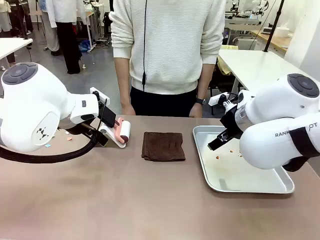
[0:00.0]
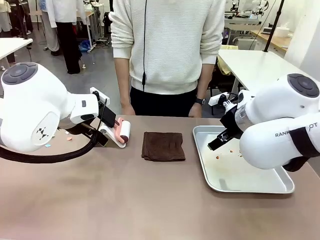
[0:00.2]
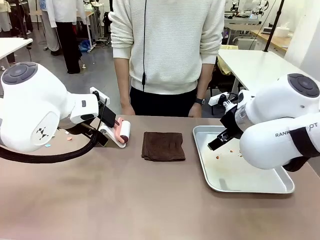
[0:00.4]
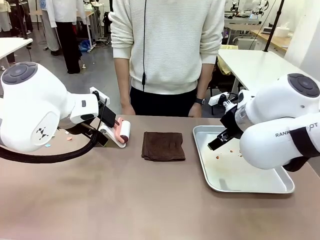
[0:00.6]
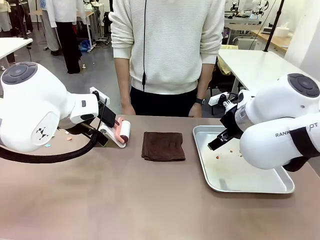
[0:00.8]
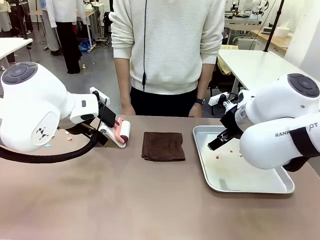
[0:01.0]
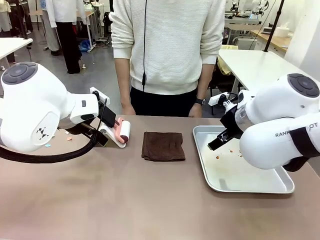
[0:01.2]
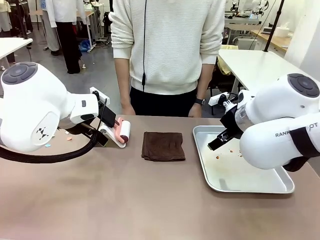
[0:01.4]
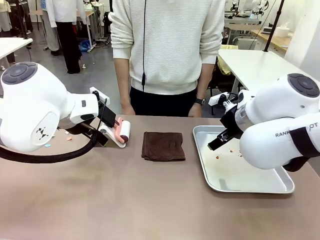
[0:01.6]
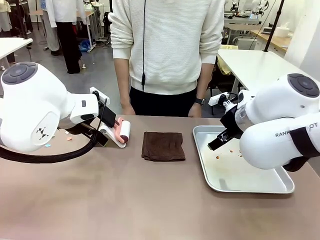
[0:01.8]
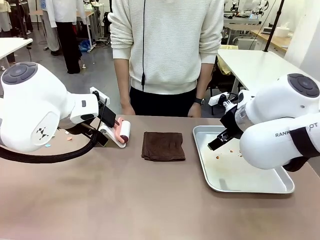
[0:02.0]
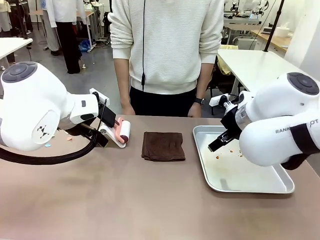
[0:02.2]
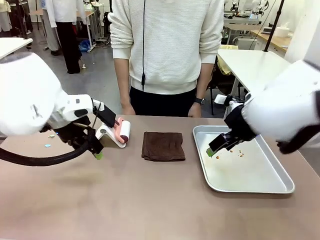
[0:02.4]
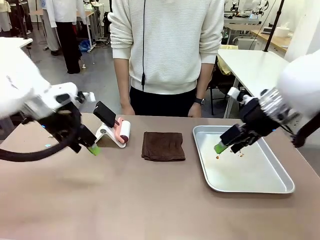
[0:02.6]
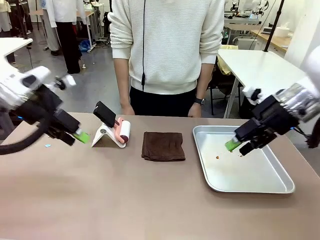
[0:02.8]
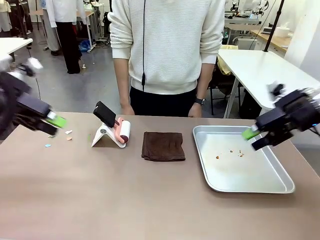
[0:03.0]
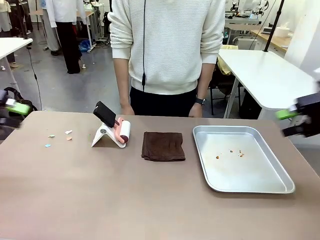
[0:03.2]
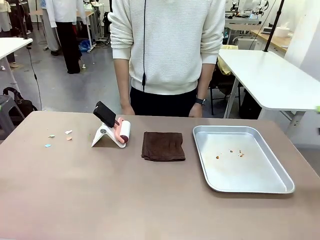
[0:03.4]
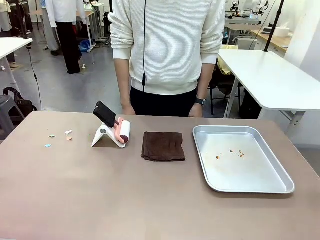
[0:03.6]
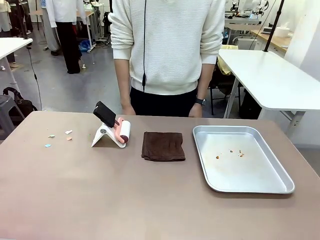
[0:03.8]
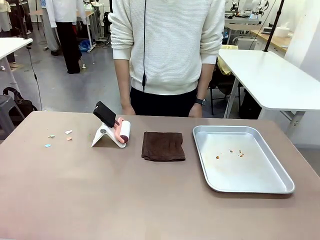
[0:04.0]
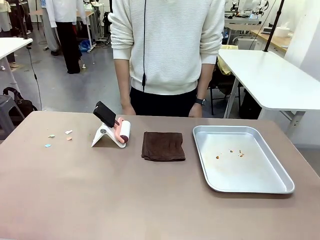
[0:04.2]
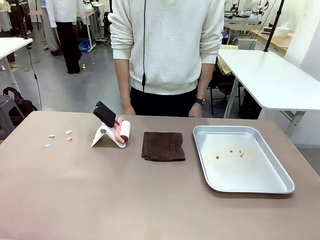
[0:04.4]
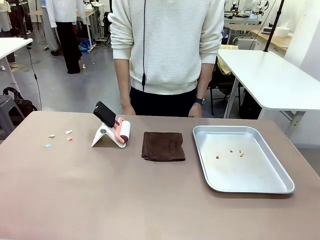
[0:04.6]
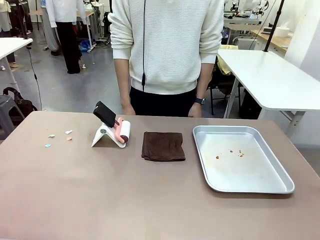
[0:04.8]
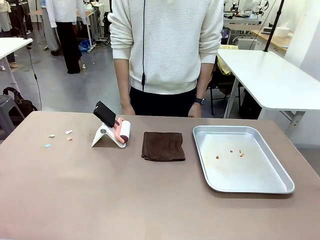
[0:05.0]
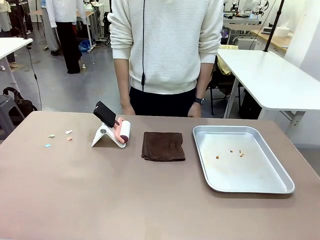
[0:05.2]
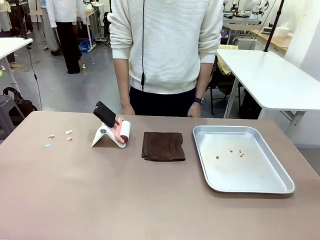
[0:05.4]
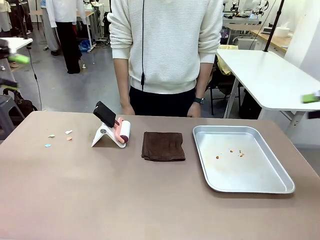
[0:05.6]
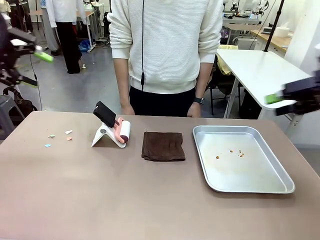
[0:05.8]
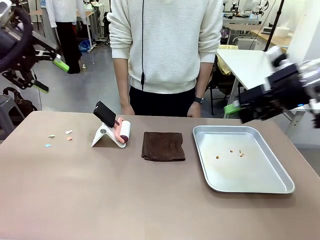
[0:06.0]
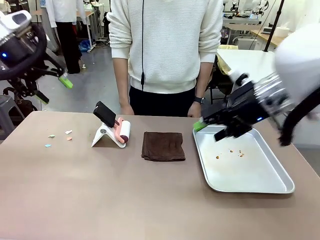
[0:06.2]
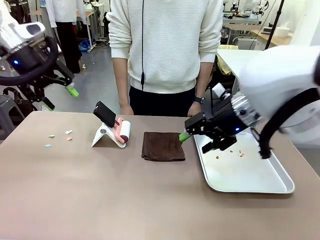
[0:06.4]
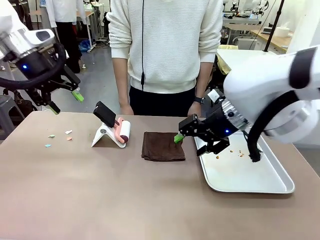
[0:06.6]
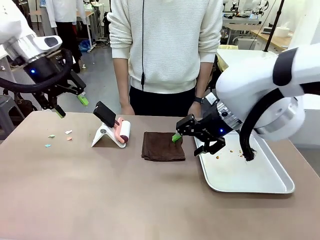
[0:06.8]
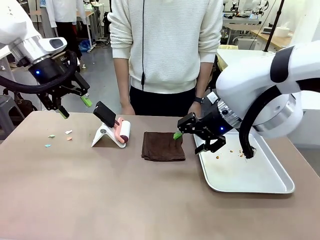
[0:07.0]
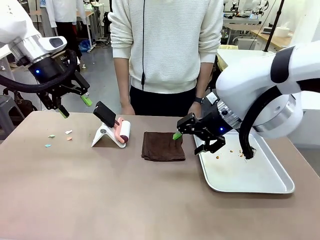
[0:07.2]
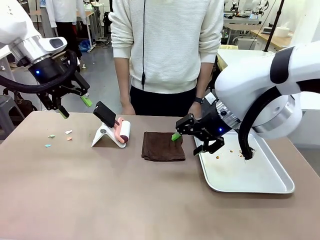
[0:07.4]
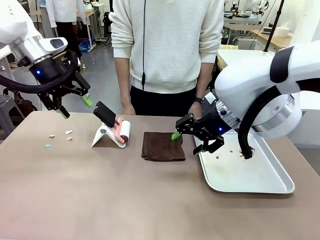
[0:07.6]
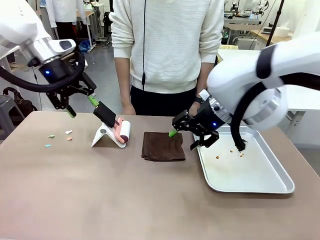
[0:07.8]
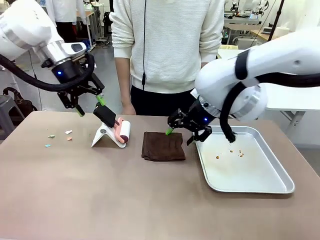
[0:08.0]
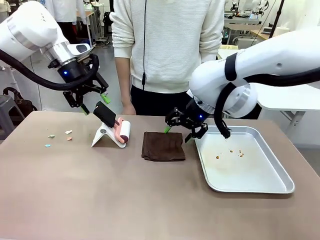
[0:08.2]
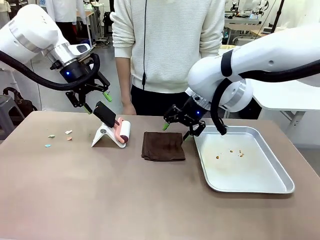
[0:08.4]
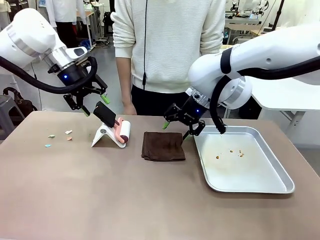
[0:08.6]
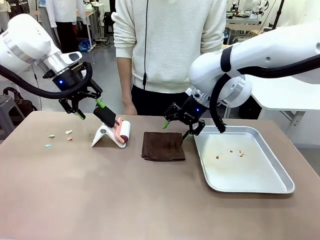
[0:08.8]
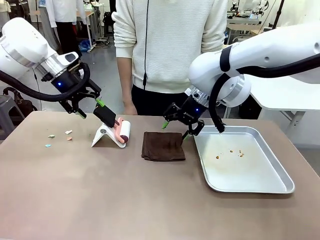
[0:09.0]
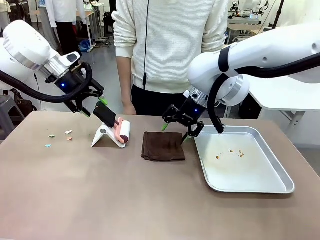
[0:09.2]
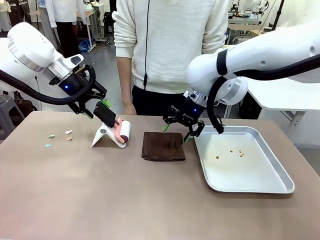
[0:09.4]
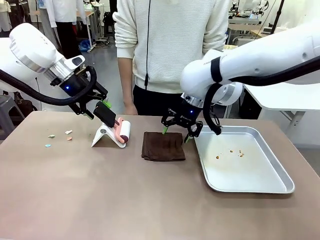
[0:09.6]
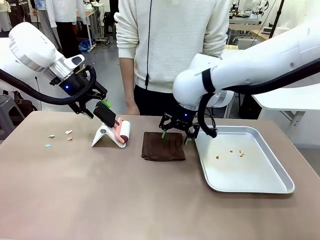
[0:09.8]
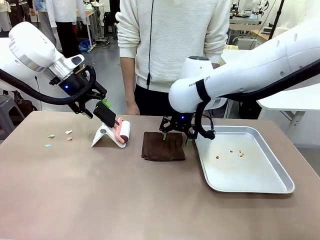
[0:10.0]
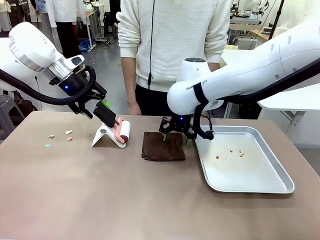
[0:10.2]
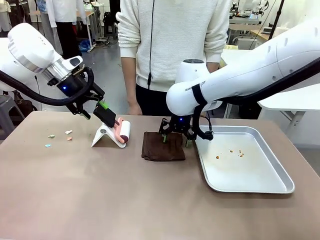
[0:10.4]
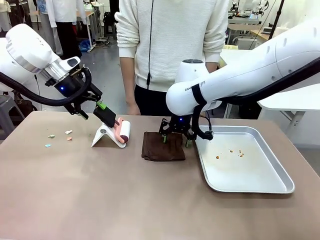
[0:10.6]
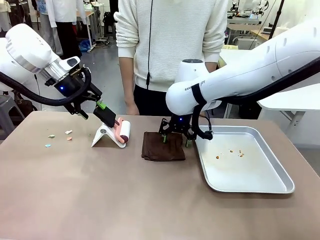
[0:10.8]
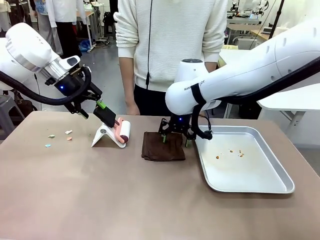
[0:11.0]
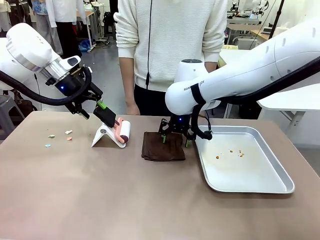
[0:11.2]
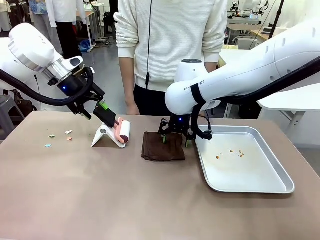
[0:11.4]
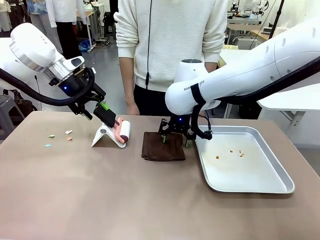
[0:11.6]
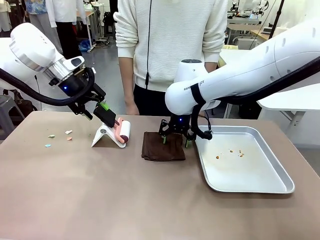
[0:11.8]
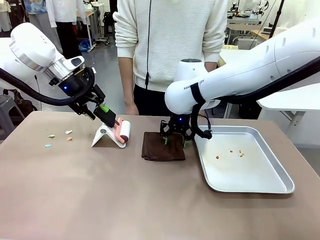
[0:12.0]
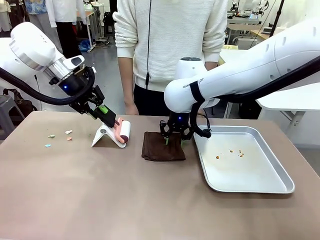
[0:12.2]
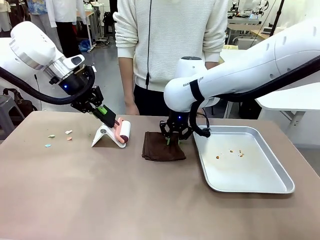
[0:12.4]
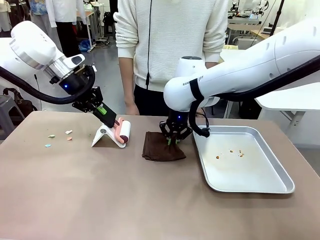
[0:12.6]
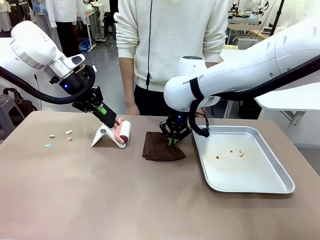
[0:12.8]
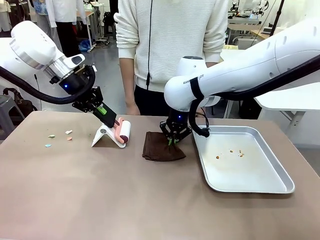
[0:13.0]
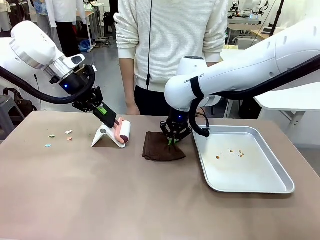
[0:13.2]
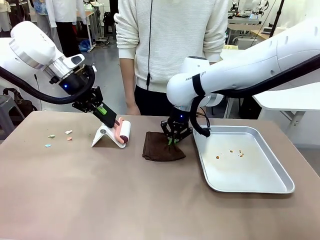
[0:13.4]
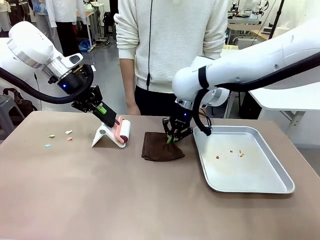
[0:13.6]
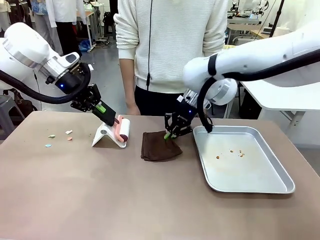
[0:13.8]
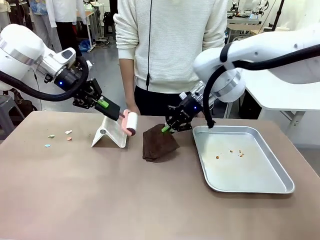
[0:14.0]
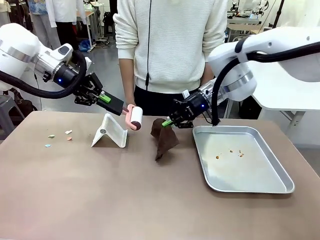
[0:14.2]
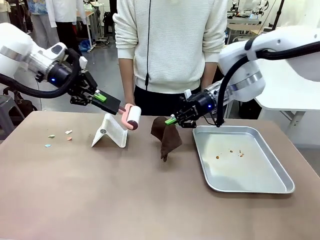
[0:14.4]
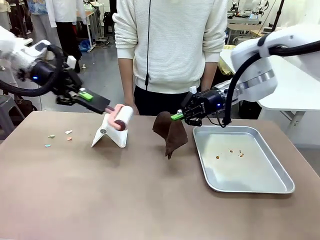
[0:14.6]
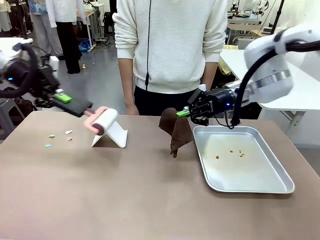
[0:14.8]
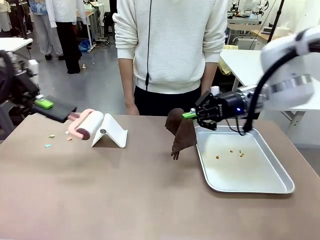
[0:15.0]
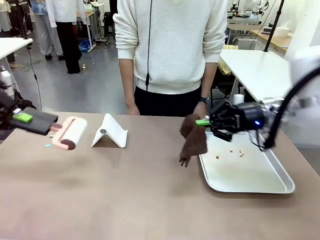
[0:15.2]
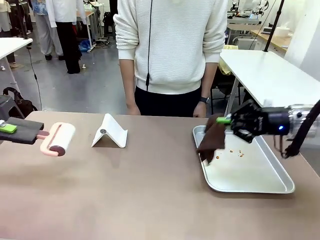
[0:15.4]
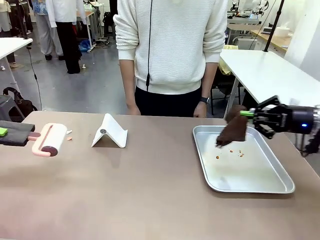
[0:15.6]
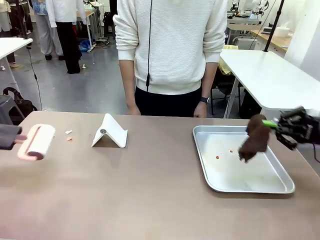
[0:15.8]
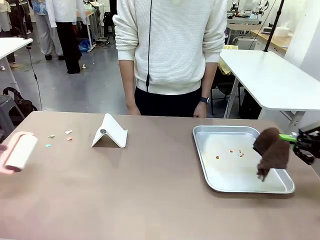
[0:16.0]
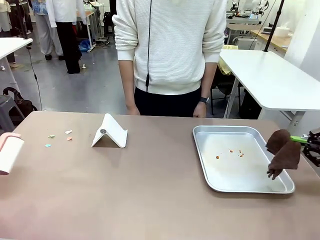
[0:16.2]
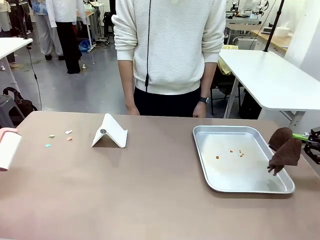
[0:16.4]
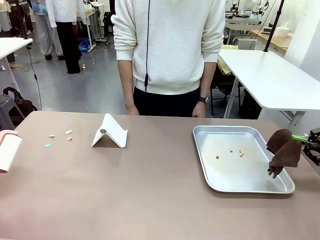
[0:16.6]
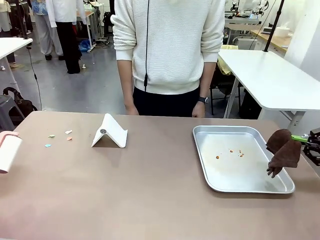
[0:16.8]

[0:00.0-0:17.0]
Task: Clean the surface of the table.
Robot: Hold the Lint Roller with your left hand and the towel with your right hand.
